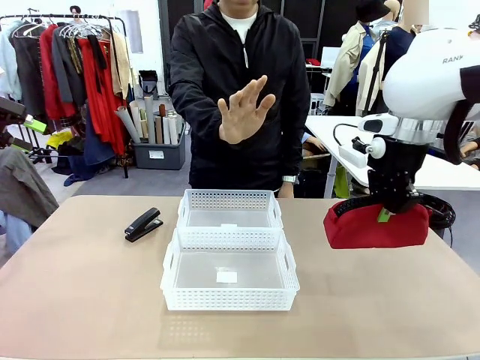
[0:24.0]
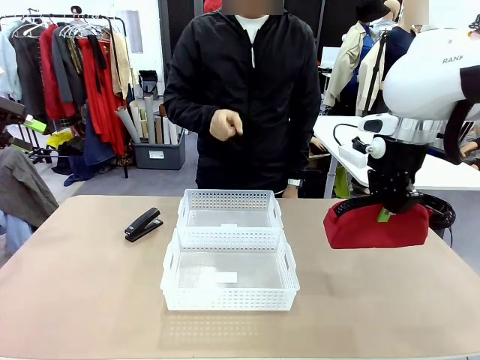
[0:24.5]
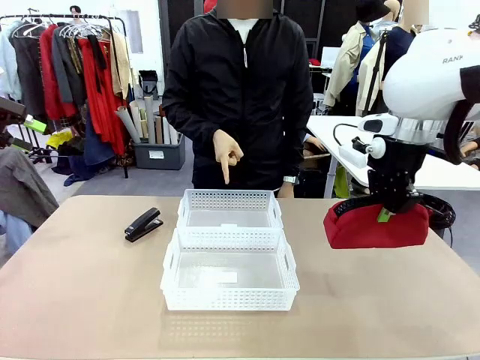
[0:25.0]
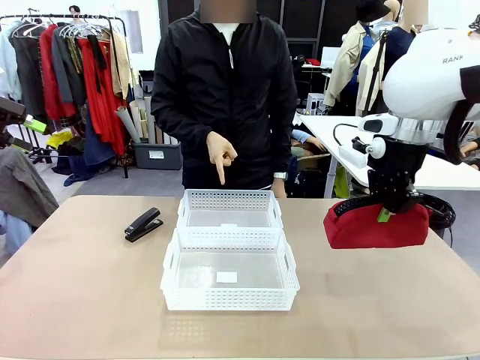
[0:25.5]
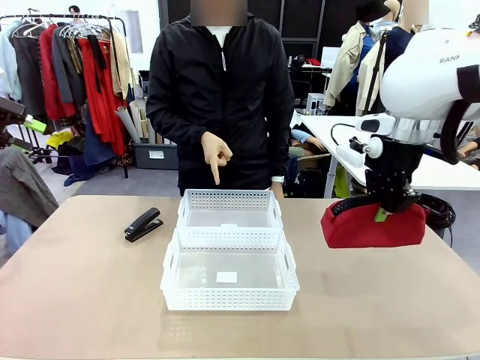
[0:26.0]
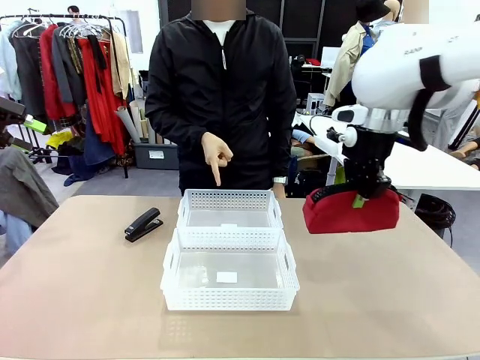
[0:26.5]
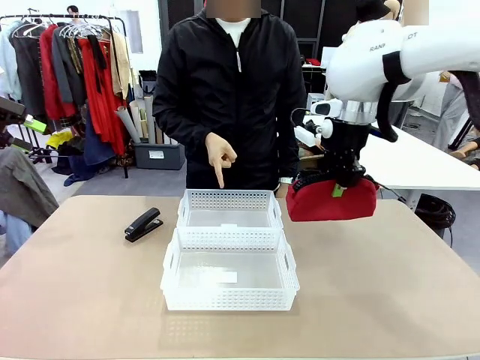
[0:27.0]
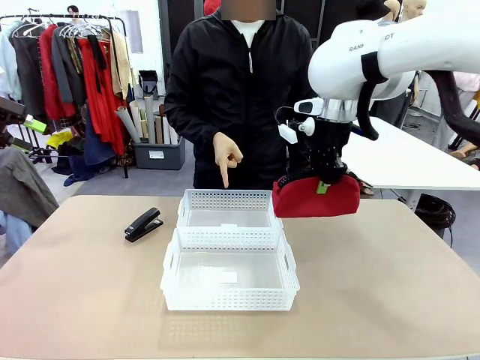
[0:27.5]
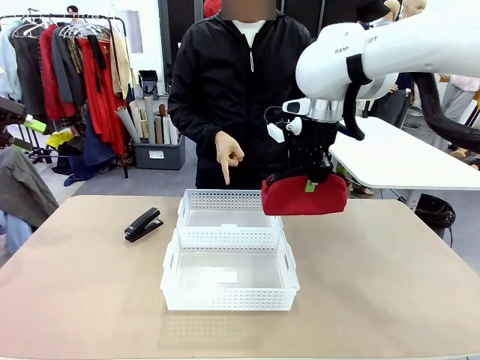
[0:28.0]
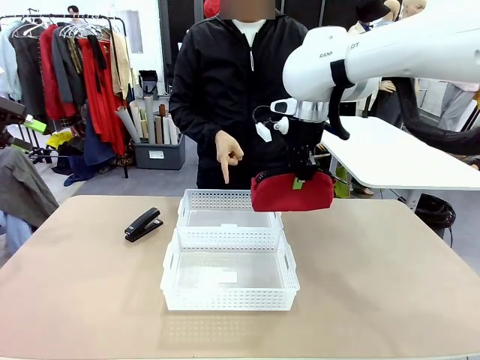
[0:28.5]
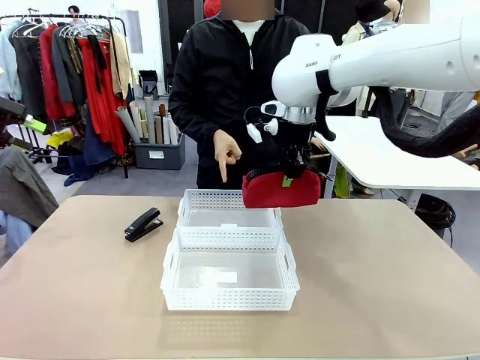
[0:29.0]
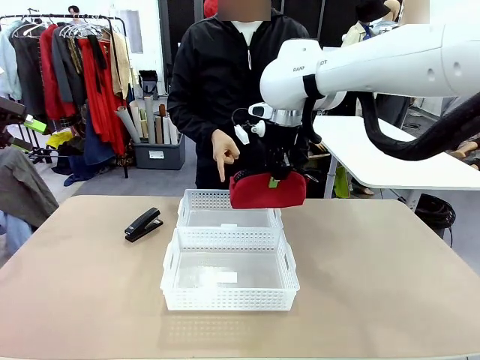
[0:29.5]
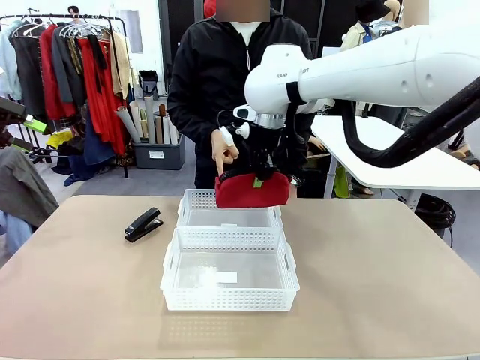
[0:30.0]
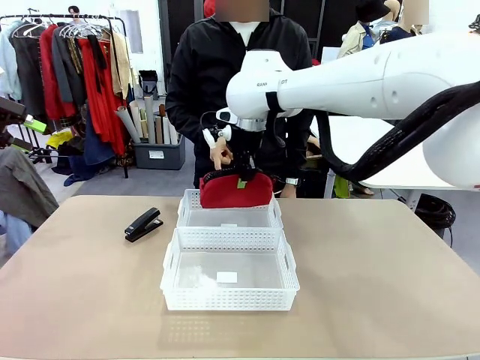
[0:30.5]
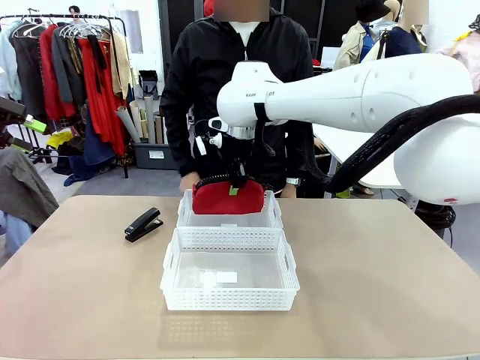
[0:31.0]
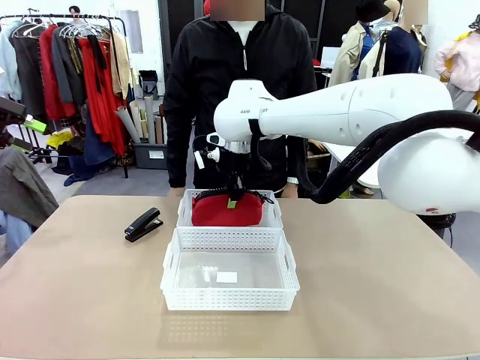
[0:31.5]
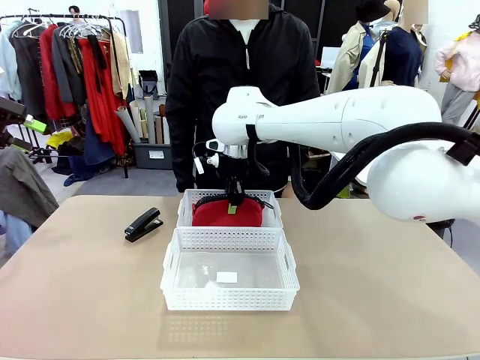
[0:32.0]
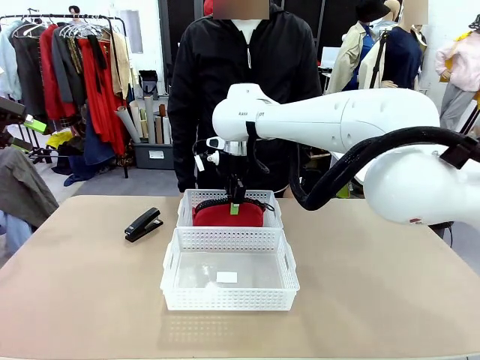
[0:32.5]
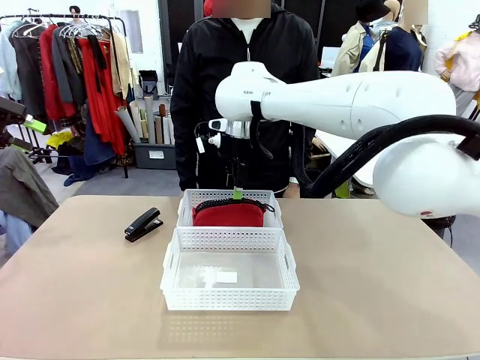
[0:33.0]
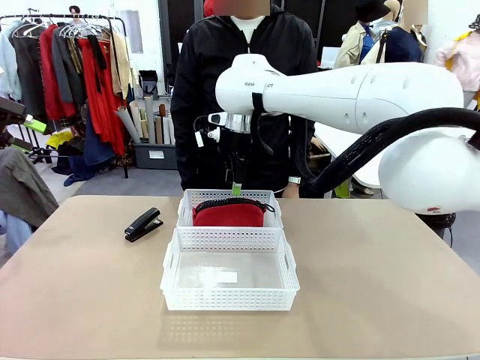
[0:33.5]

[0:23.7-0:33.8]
Task: Distribute items into two baskets.
Robot: Place the picked Pencil pouch into the Organizing basket as instructed by the person.
Person: Instructs the robot to place the pencil case into the opposite basket. Points to the stapler.

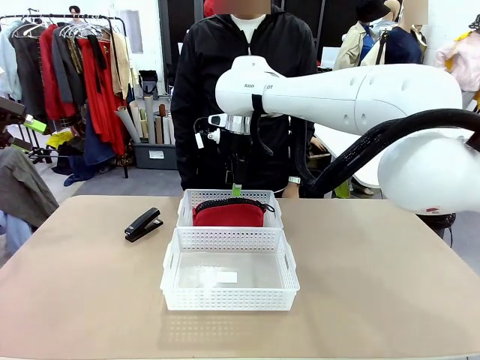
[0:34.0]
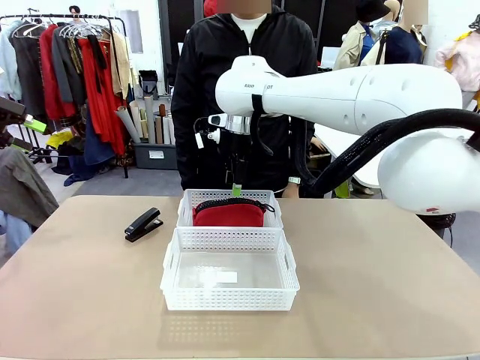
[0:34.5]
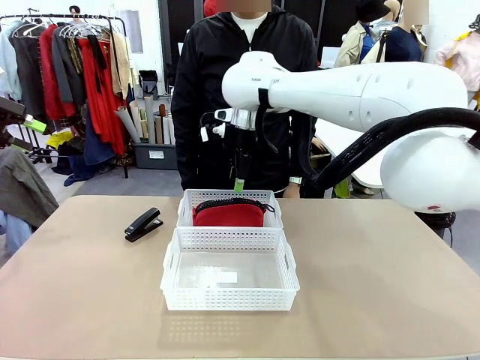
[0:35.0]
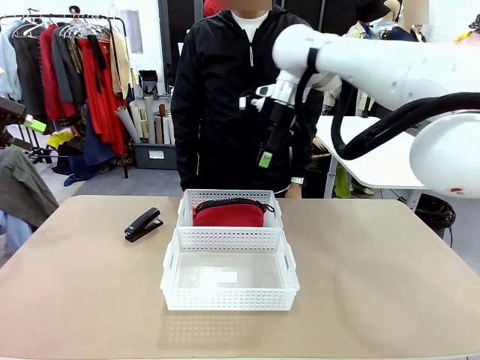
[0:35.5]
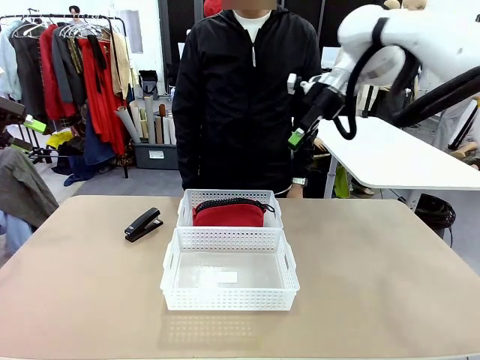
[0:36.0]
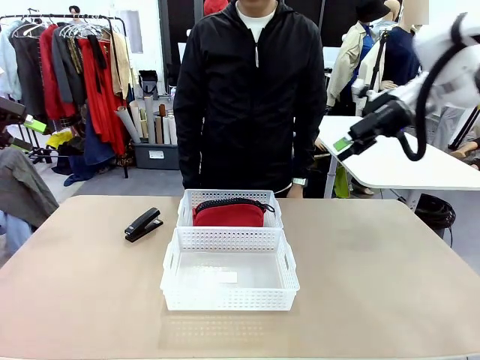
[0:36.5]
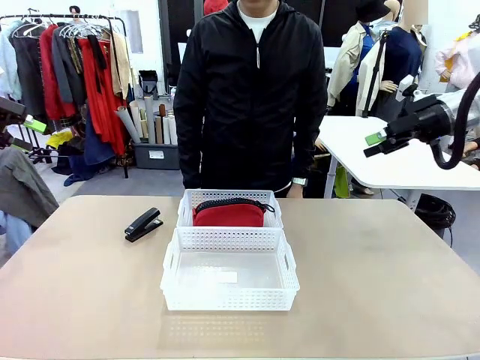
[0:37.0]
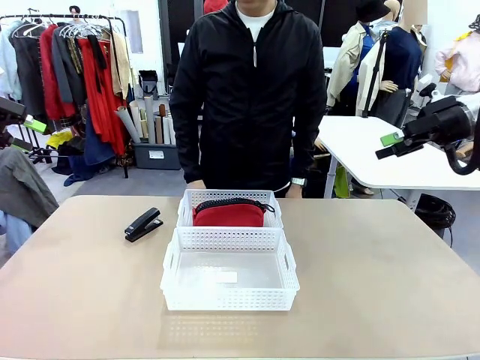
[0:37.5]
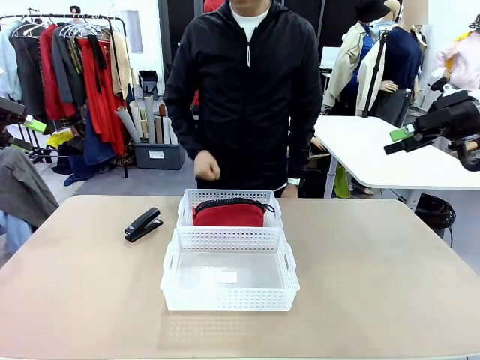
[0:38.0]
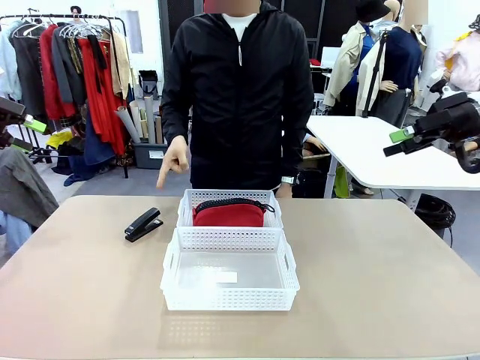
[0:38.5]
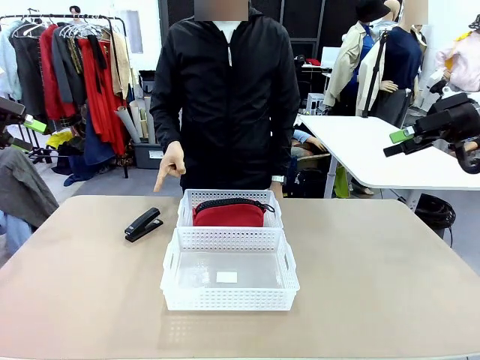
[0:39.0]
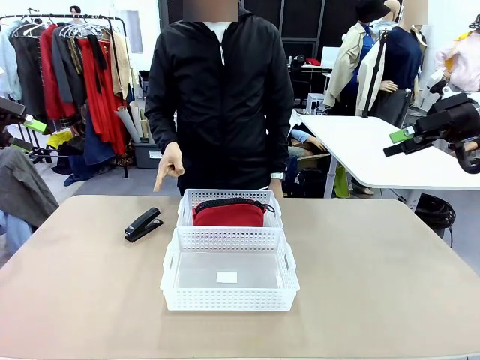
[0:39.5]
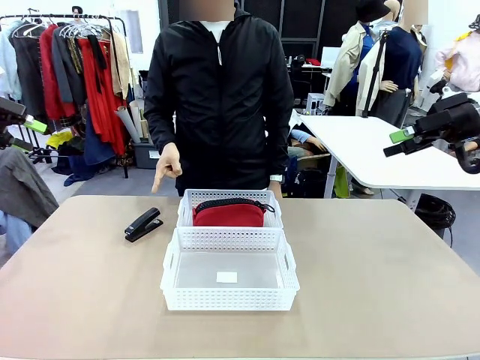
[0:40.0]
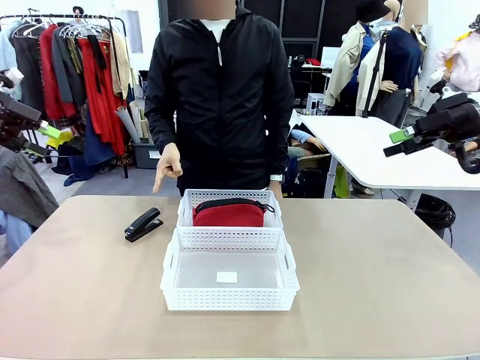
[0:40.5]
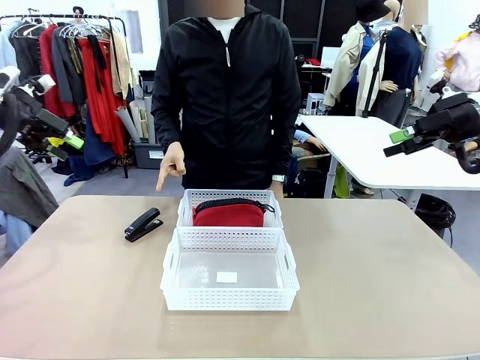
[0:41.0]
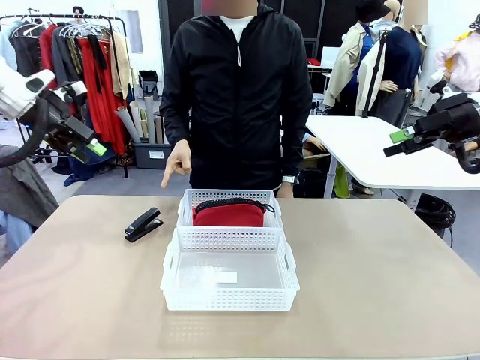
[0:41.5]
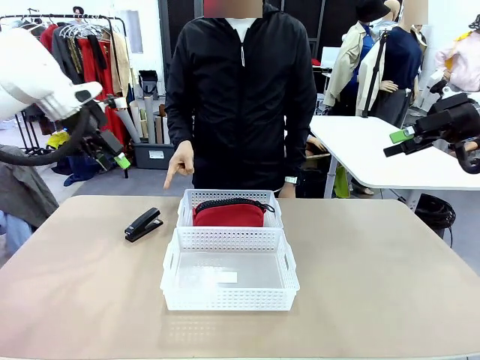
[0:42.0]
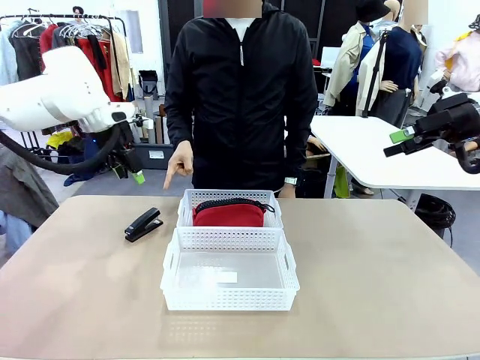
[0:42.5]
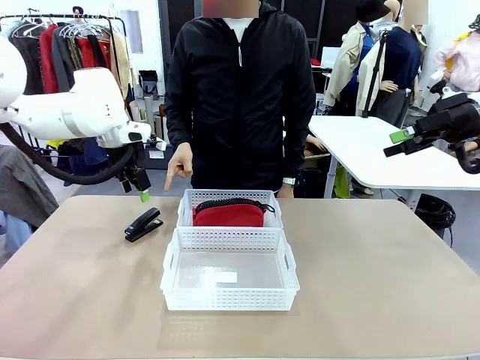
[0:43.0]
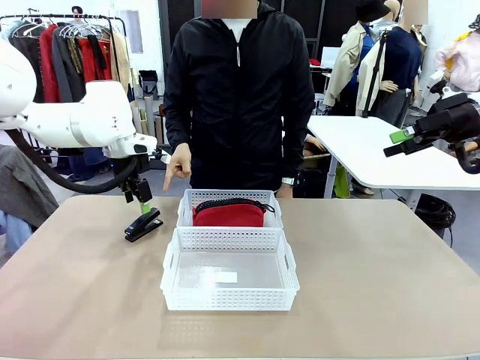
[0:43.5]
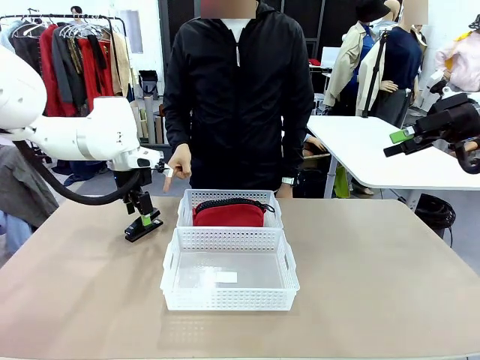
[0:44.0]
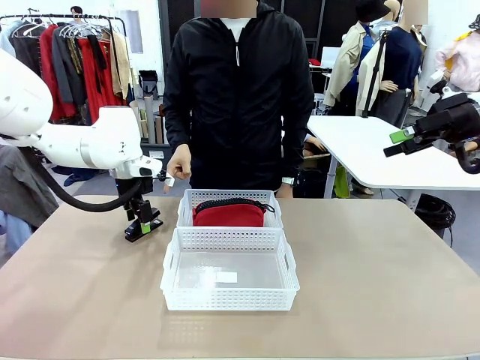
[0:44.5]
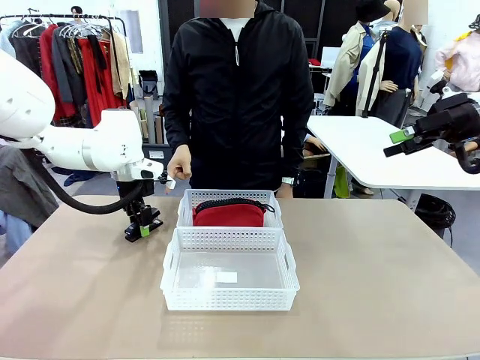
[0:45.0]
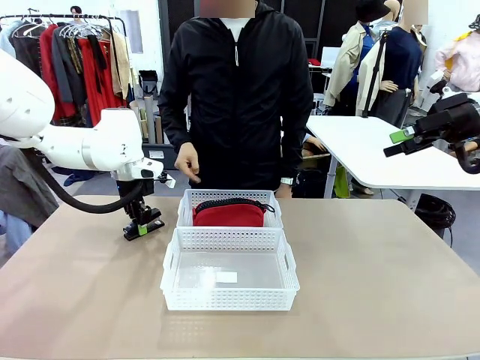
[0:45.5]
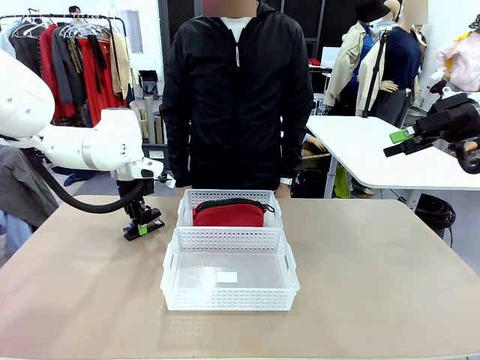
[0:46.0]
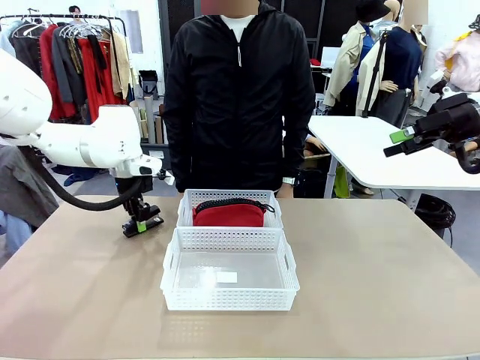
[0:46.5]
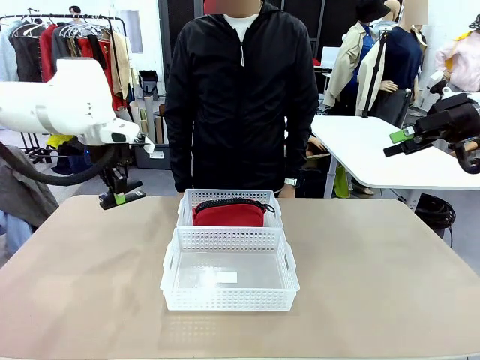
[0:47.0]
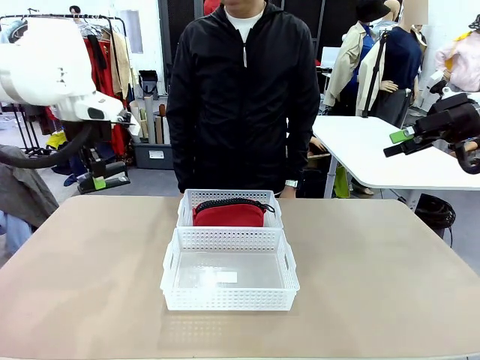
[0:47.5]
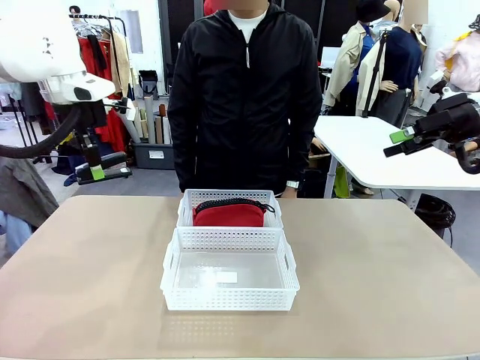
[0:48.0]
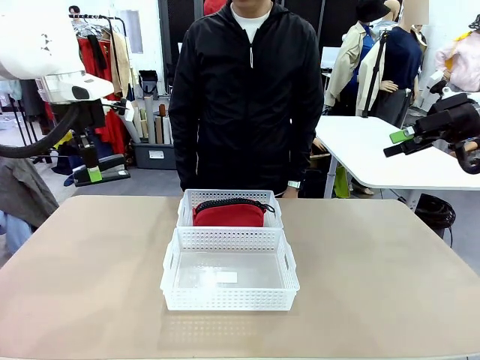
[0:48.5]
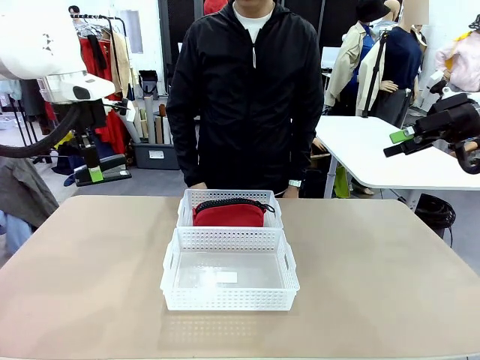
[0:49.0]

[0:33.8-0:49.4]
Robot: Pick up the Stapler that the person points to.
